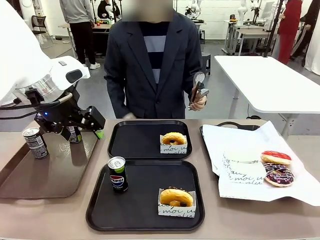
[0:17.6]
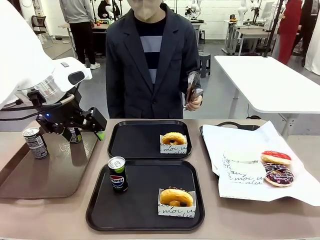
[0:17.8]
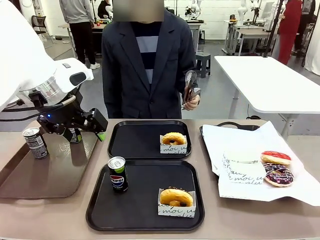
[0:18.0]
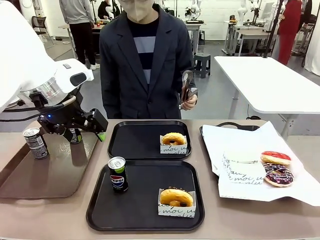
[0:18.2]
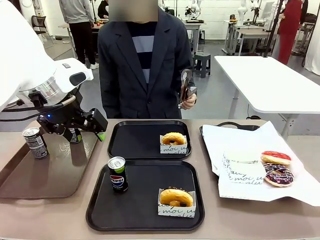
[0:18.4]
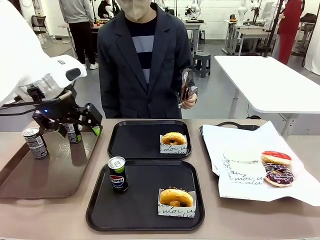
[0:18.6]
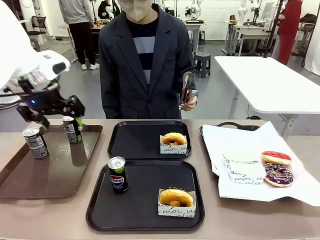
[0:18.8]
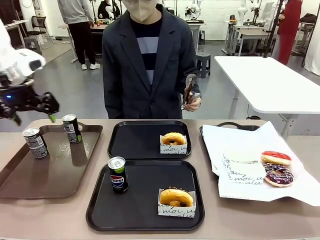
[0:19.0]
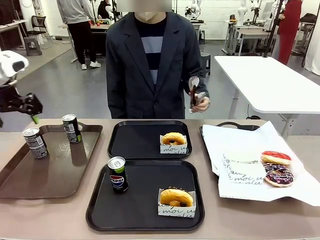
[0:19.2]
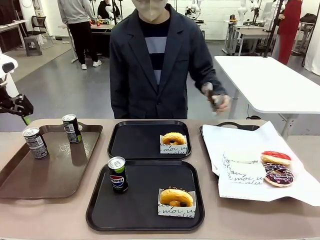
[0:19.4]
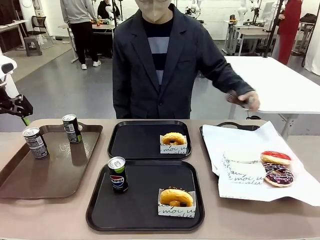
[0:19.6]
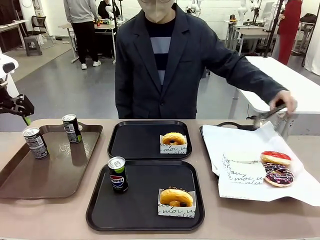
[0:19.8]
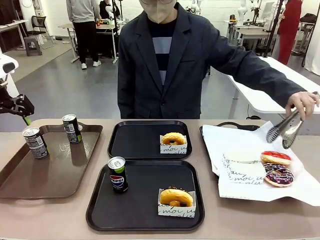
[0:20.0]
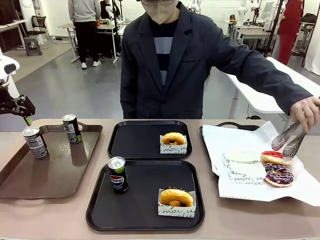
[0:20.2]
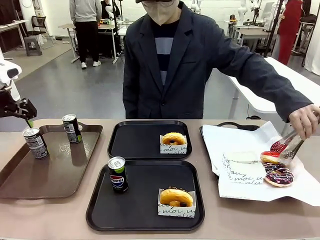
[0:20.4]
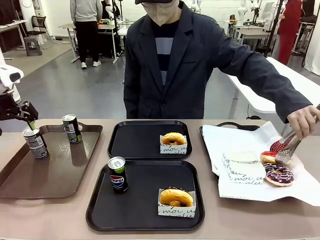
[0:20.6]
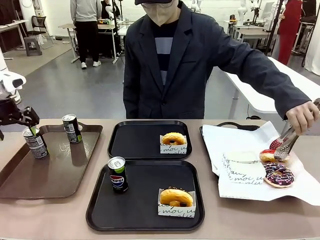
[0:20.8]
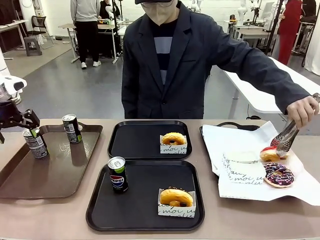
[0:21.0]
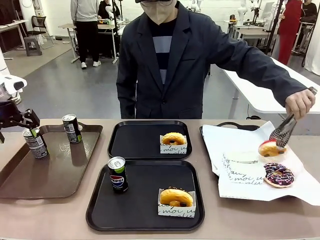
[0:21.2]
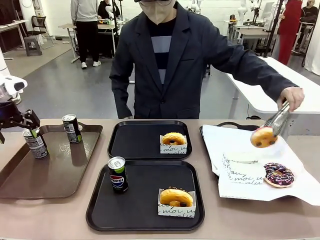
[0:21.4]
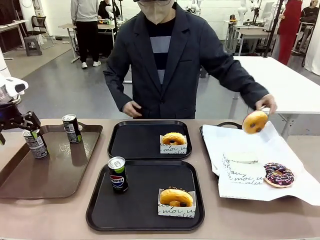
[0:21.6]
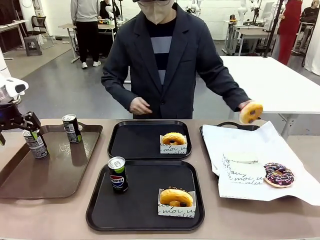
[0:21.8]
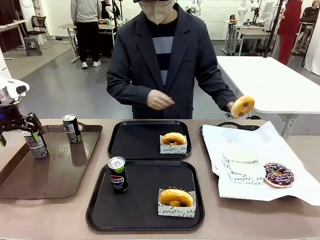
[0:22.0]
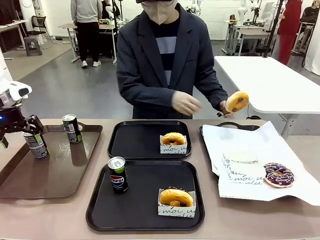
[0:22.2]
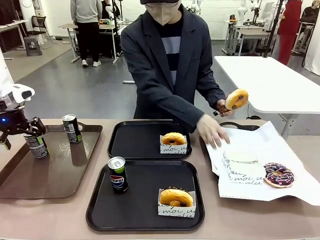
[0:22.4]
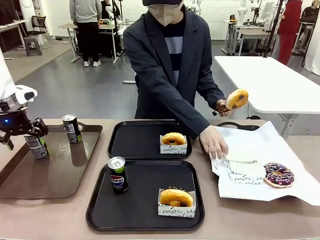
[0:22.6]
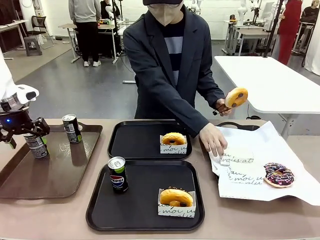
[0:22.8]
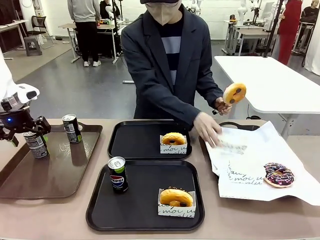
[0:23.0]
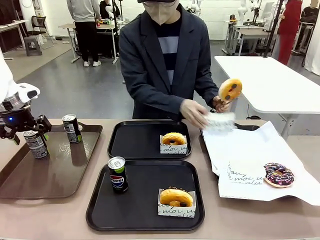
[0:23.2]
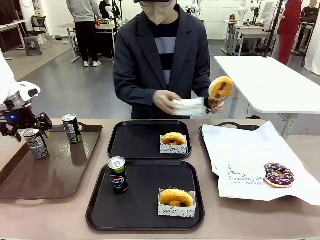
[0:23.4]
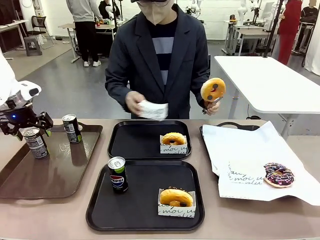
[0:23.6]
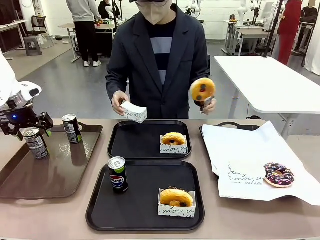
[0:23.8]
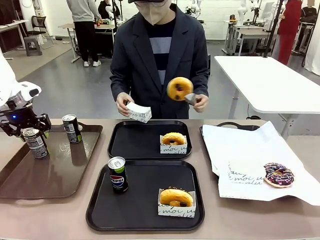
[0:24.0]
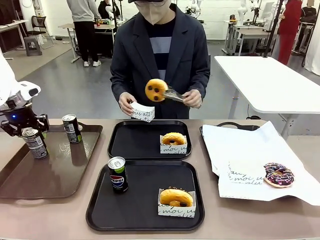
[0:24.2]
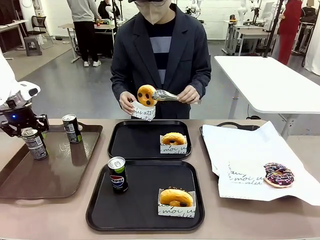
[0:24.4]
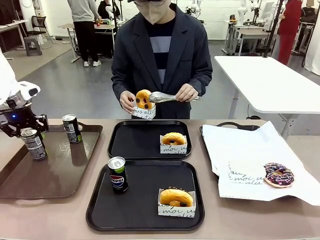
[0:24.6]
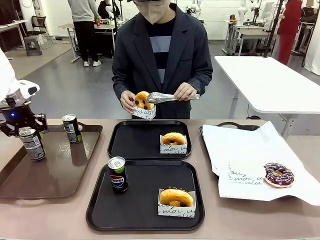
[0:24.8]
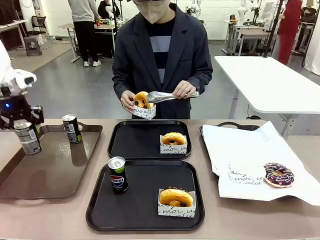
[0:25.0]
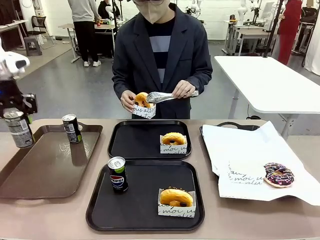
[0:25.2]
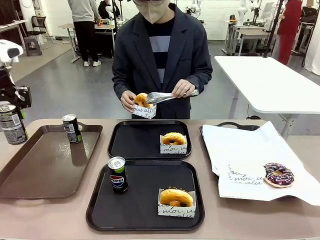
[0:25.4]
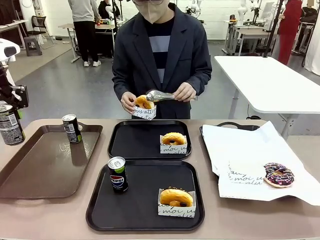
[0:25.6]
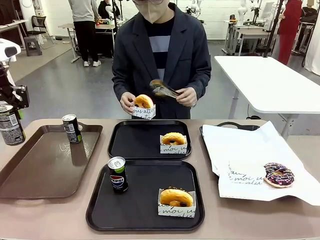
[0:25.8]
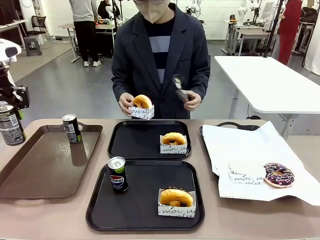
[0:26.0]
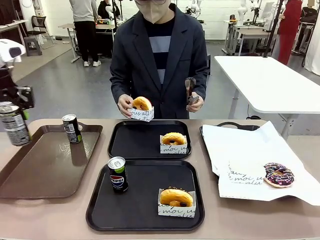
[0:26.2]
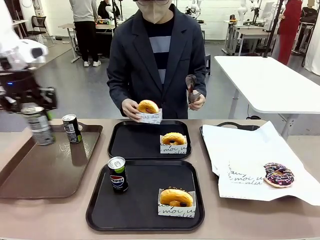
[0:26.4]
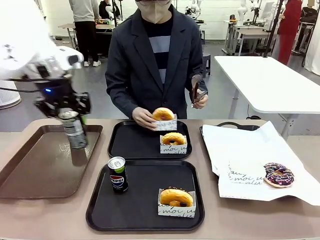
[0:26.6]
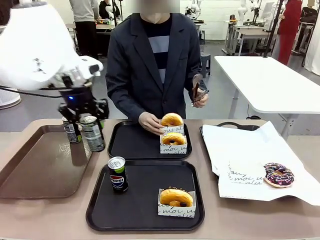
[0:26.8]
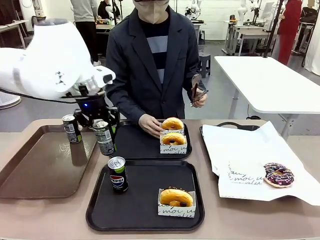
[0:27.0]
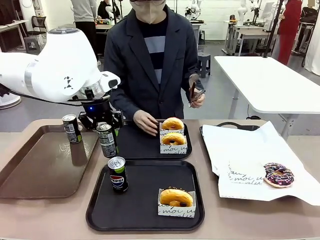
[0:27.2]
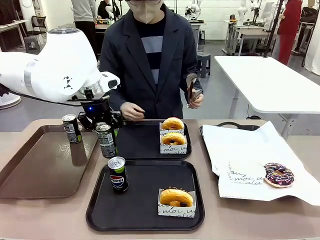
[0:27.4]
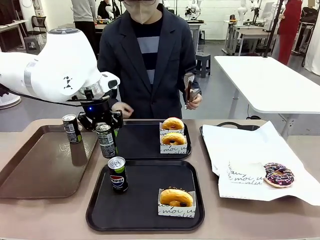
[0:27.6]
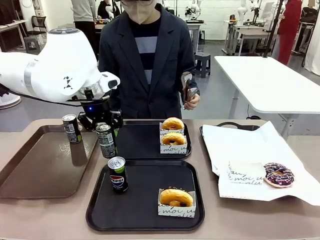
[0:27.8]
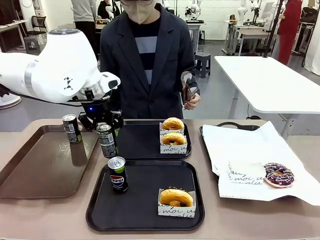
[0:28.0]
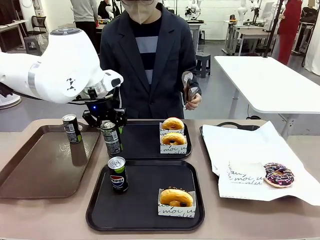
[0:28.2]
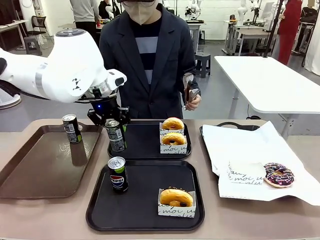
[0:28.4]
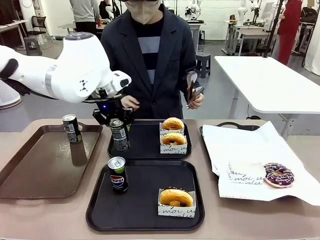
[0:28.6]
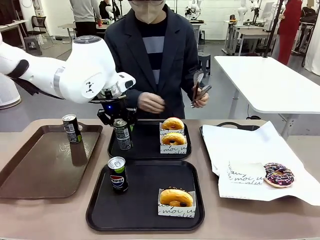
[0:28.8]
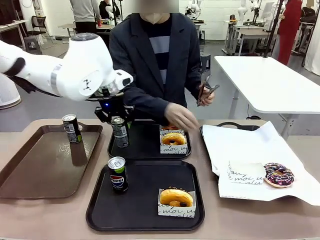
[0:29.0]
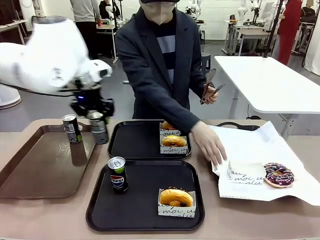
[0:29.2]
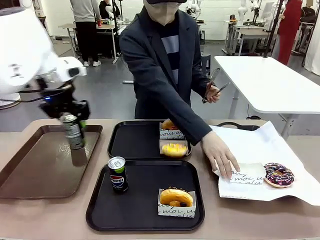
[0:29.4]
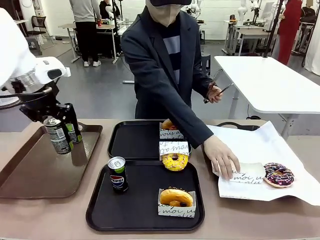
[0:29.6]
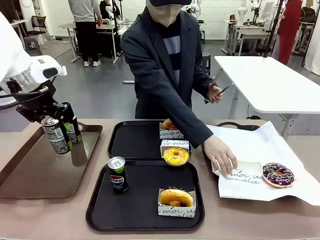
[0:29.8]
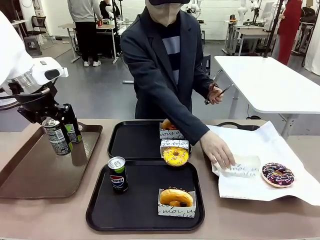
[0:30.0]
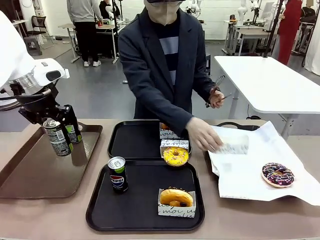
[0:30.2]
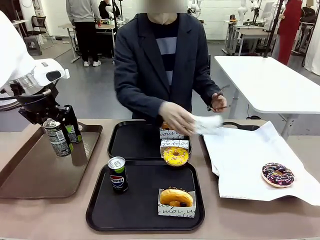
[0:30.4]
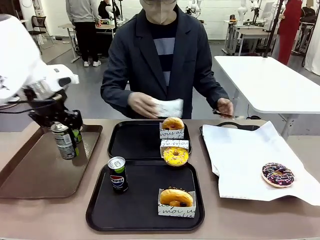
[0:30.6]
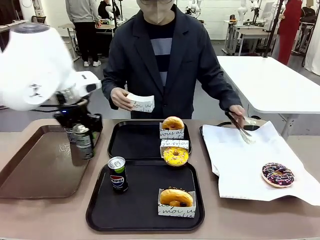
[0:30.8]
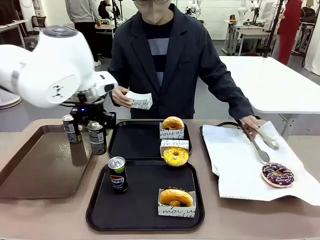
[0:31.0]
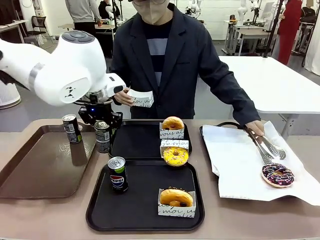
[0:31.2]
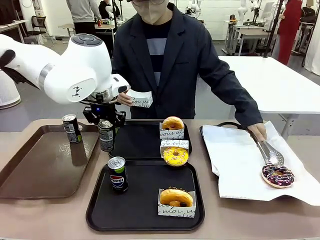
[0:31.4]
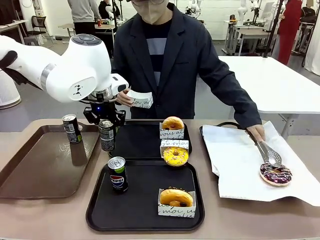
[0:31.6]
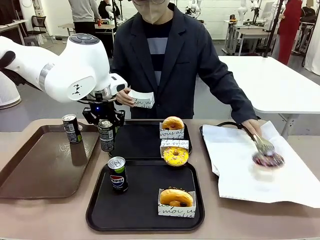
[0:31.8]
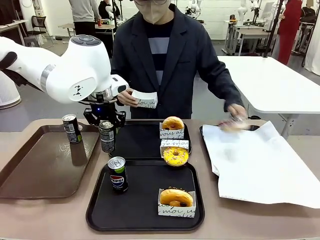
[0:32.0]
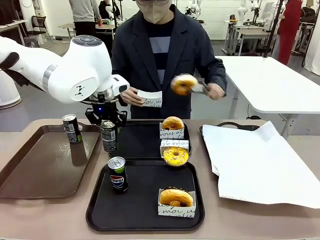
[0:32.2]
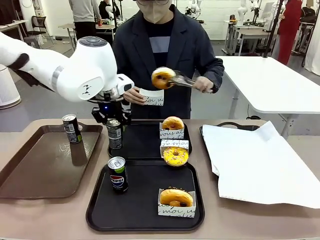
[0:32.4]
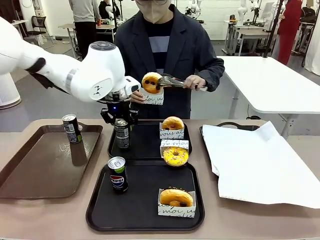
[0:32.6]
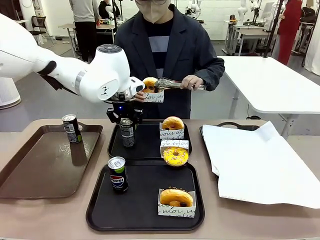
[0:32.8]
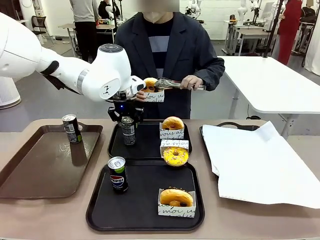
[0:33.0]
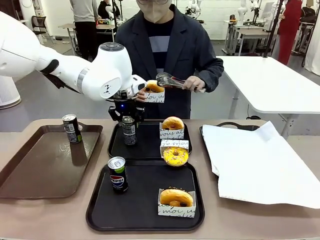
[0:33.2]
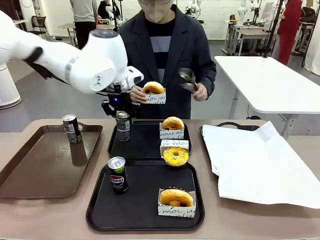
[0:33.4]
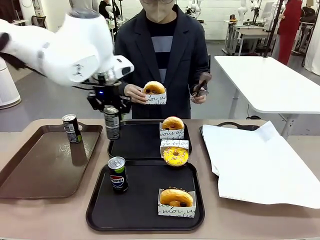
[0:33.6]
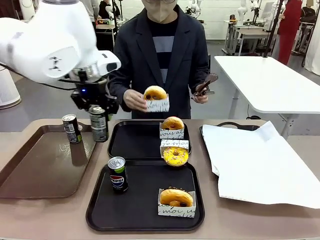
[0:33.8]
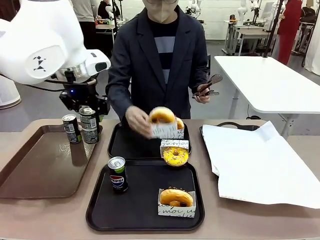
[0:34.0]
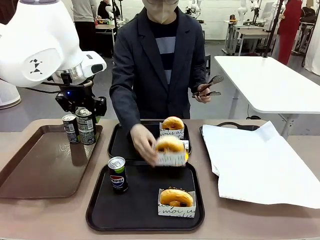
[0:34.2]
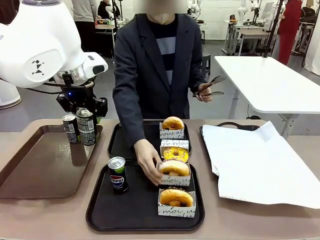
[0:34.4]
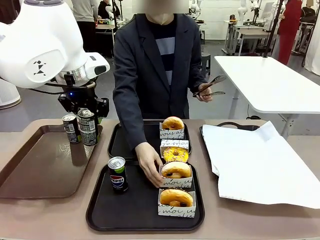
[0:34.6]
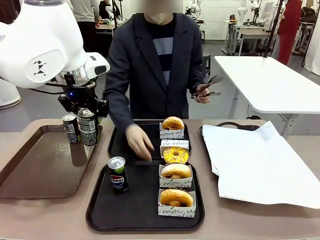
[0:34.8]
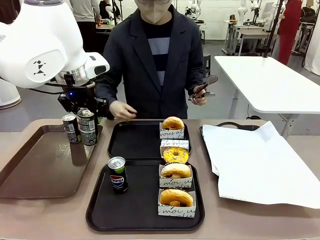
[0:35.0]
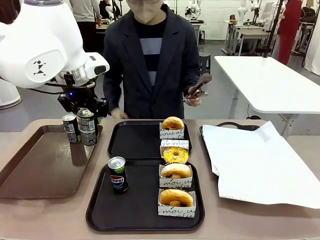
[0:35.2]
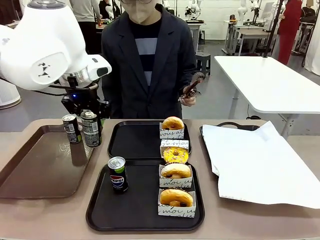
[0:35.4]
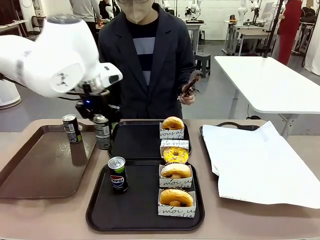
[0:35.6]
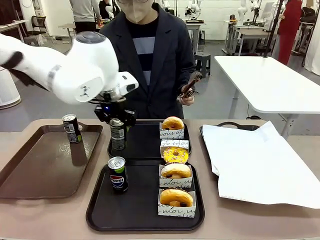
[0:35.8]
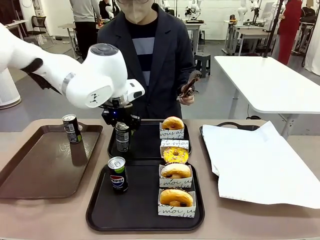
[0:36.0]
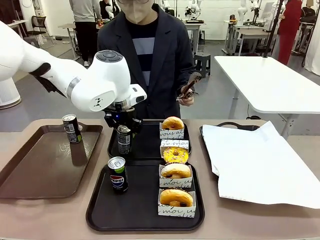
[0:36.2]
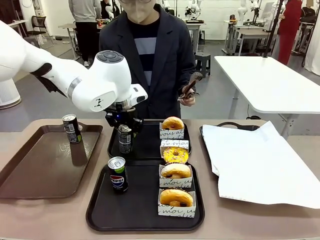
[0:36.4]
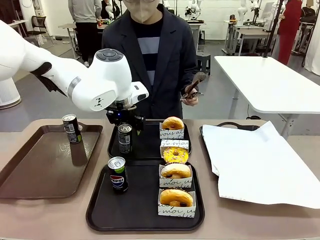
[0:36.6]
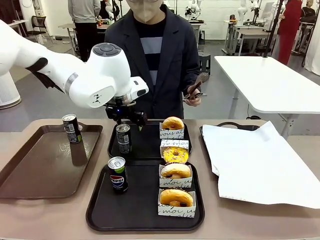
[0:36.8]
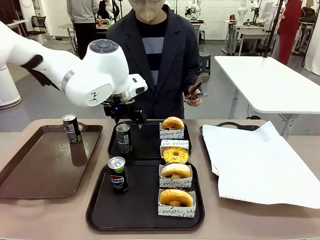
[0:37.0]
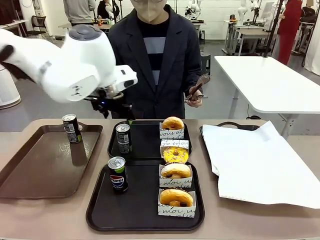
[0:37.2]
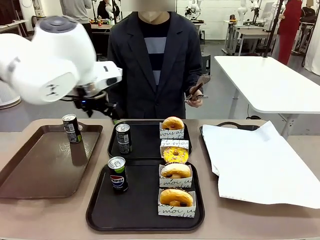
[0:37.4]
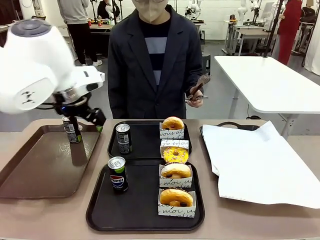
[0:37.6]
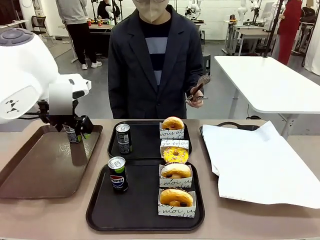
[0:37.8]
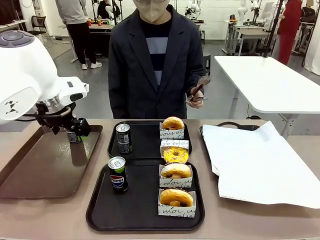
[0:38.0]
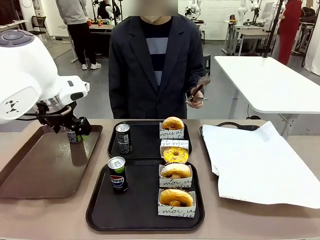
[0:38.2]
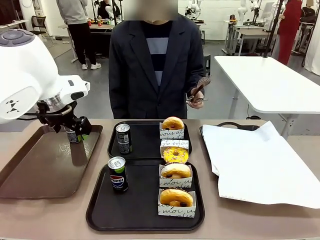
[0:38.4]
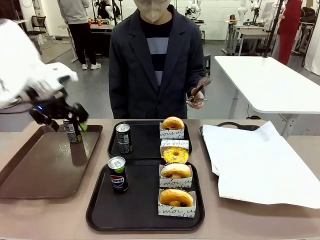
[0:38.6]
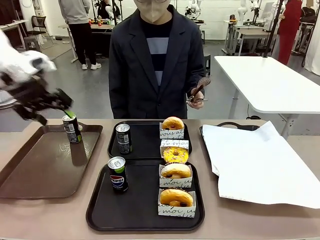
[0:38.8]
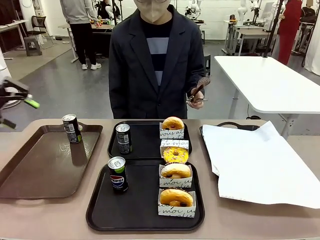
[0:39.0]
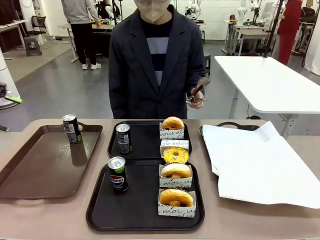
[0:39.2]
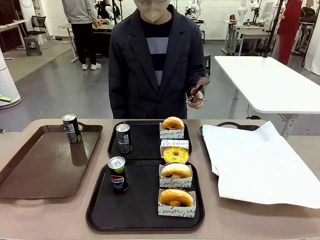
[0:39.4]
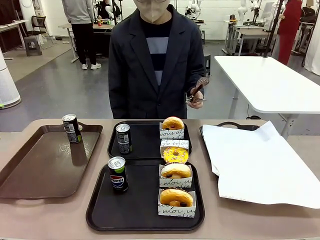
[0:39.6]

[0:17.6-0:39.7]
Task: Set up donuts and drinks on trays.
Robot: Pick up one Pepsi coke from the Handle tray and place it on the Flat Tray without a Pepsi coke.
Person: Pick up one donut with tongs, place it in the donut tray, and then place the donut tray on the flat tray.
